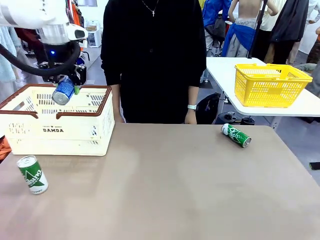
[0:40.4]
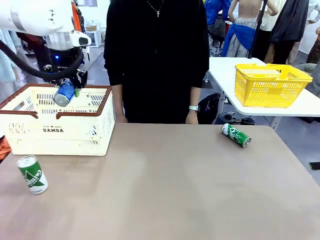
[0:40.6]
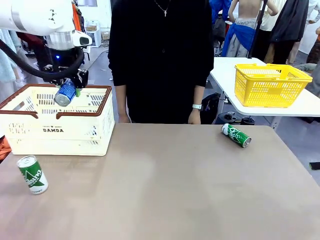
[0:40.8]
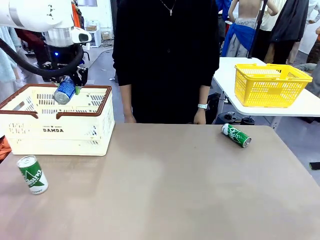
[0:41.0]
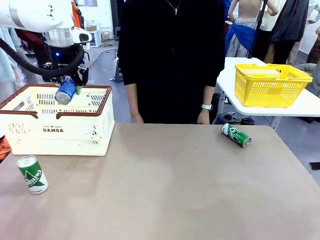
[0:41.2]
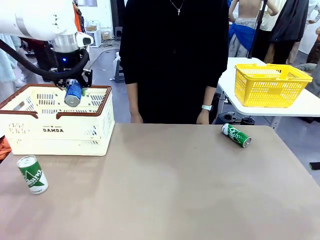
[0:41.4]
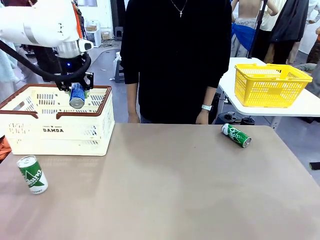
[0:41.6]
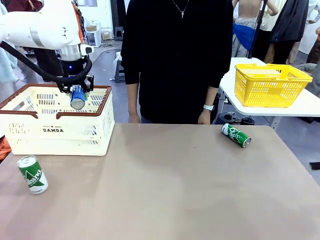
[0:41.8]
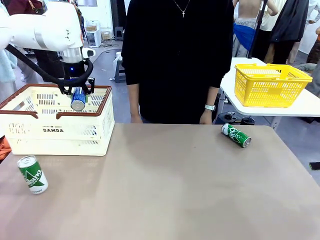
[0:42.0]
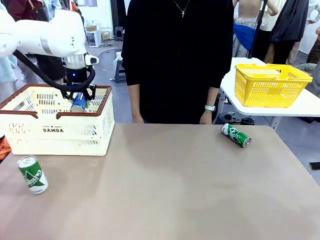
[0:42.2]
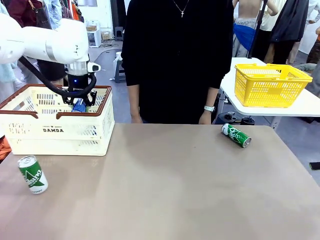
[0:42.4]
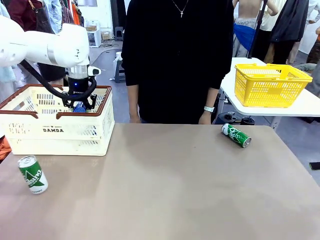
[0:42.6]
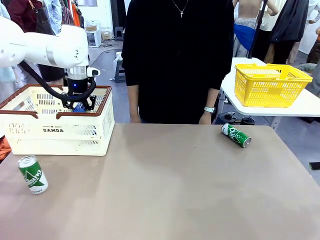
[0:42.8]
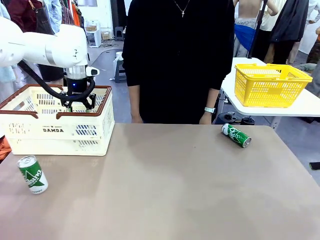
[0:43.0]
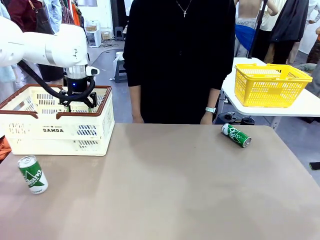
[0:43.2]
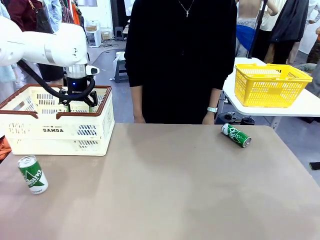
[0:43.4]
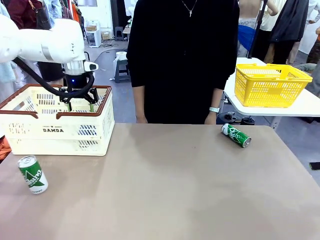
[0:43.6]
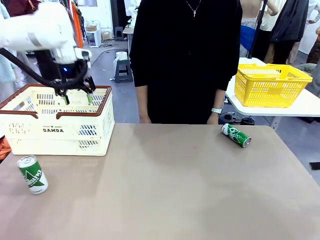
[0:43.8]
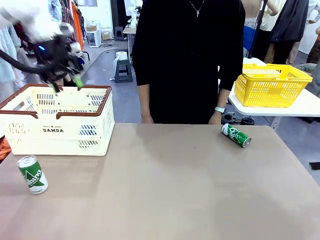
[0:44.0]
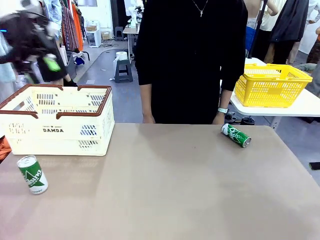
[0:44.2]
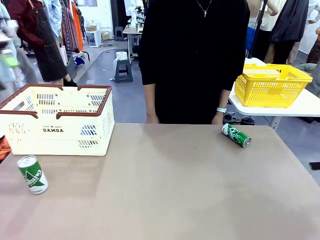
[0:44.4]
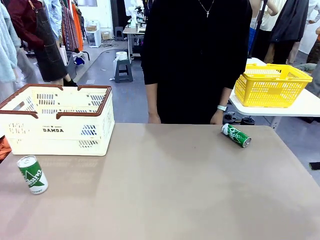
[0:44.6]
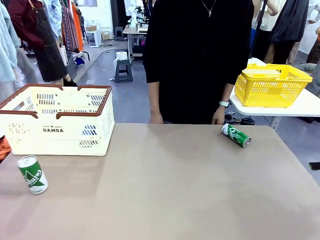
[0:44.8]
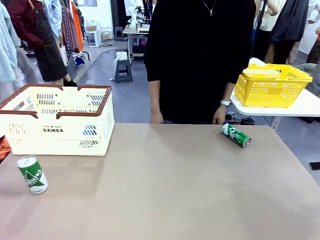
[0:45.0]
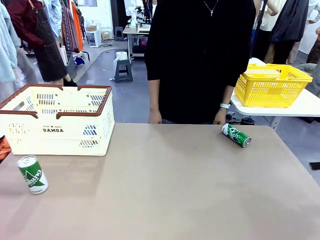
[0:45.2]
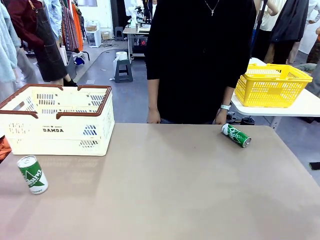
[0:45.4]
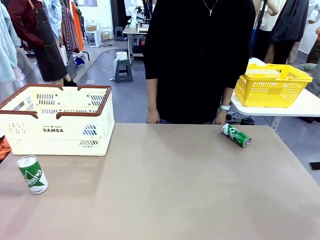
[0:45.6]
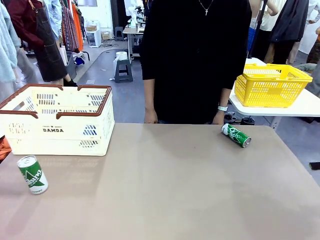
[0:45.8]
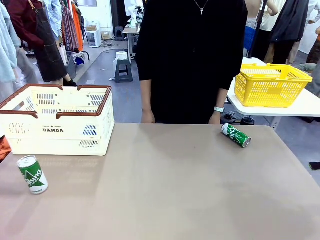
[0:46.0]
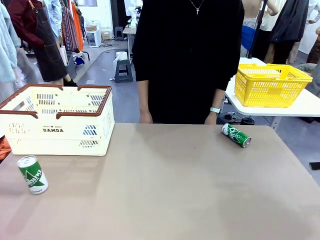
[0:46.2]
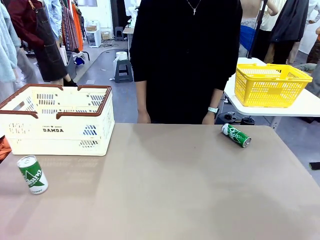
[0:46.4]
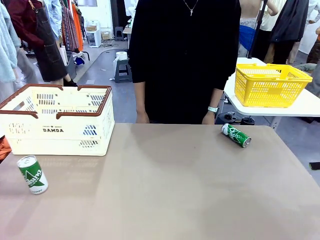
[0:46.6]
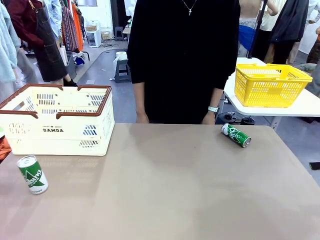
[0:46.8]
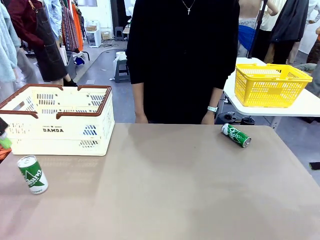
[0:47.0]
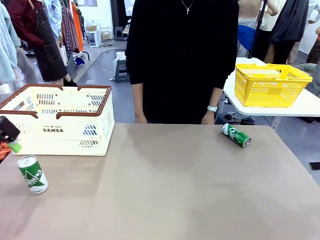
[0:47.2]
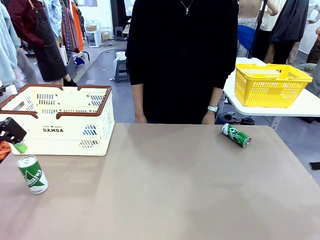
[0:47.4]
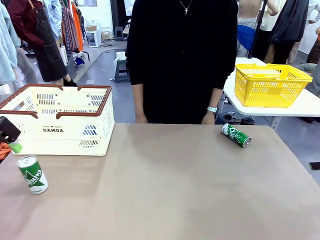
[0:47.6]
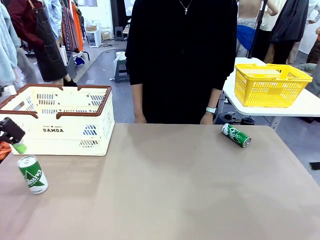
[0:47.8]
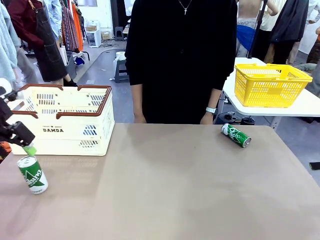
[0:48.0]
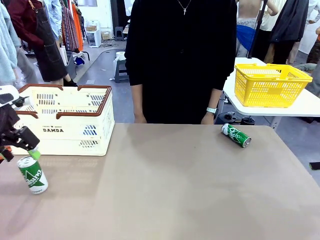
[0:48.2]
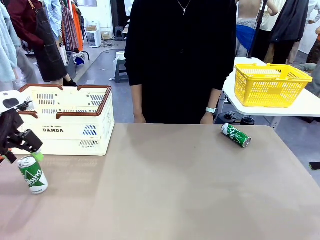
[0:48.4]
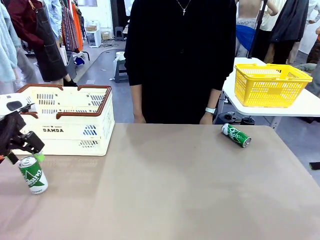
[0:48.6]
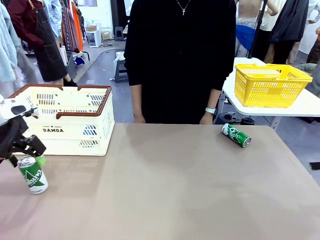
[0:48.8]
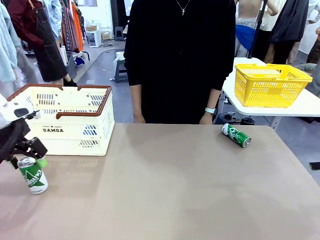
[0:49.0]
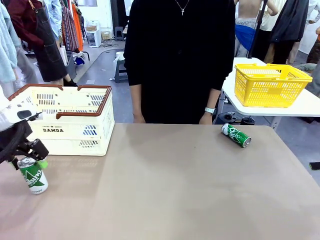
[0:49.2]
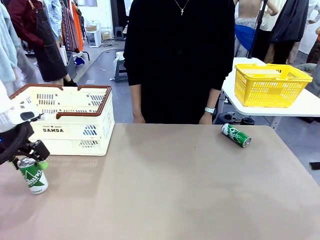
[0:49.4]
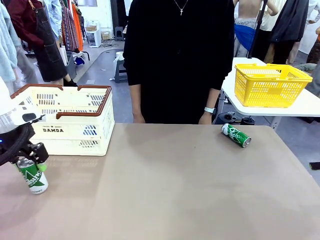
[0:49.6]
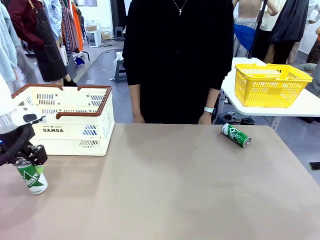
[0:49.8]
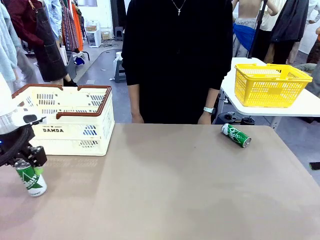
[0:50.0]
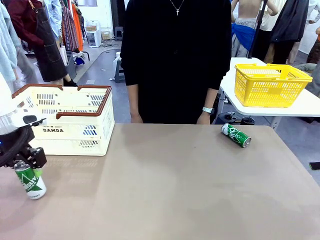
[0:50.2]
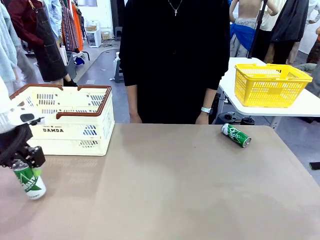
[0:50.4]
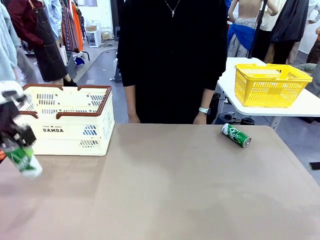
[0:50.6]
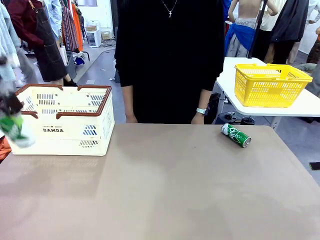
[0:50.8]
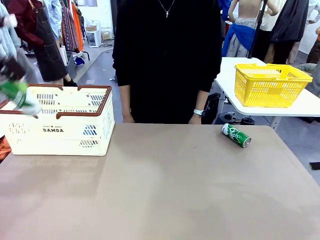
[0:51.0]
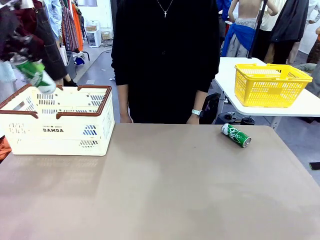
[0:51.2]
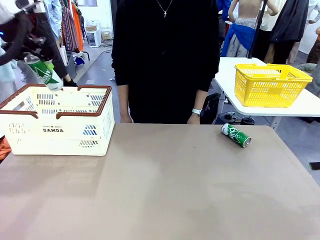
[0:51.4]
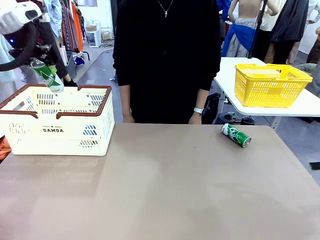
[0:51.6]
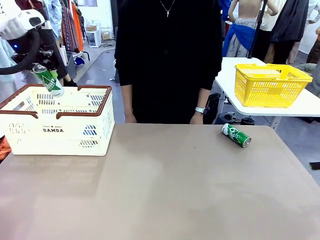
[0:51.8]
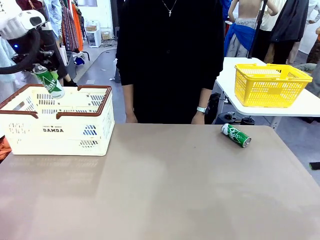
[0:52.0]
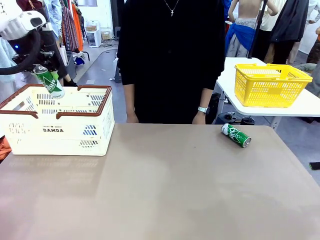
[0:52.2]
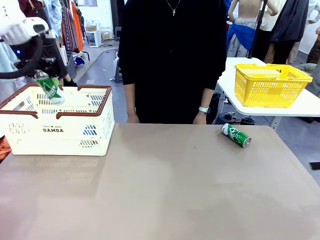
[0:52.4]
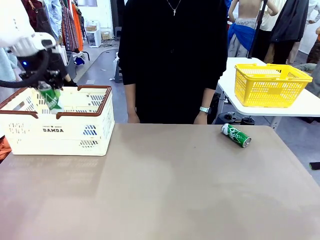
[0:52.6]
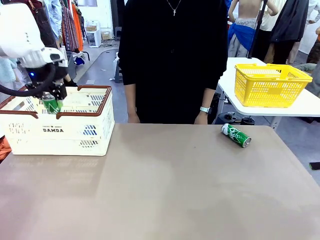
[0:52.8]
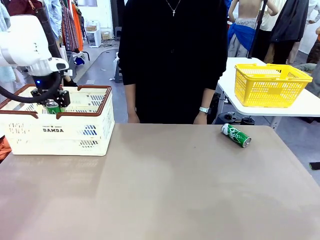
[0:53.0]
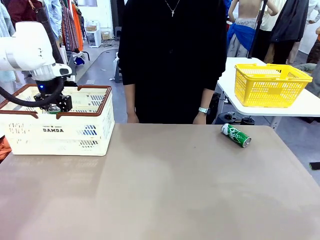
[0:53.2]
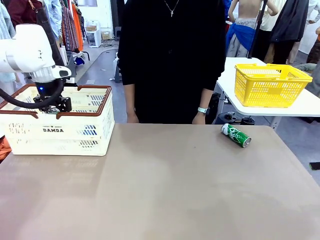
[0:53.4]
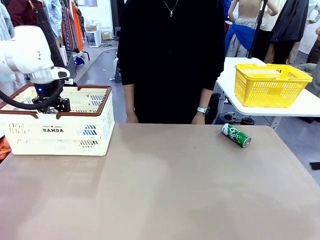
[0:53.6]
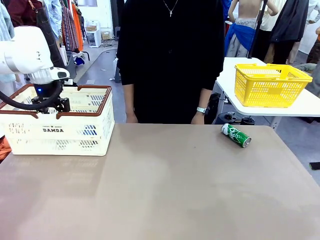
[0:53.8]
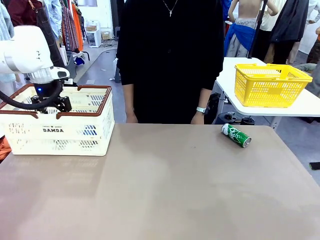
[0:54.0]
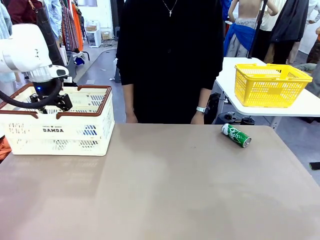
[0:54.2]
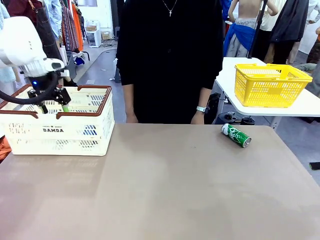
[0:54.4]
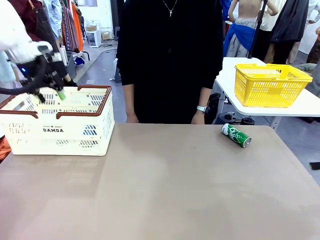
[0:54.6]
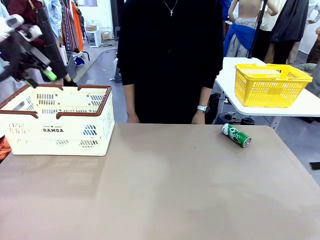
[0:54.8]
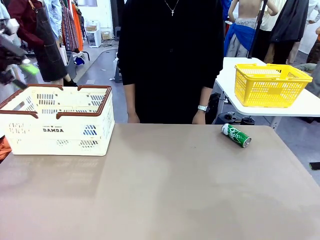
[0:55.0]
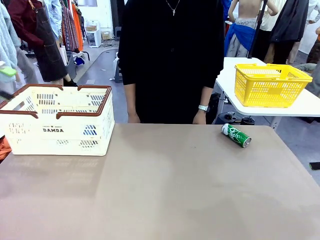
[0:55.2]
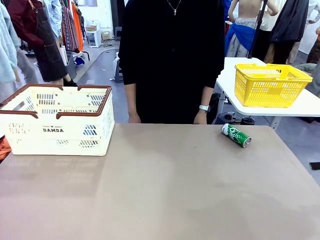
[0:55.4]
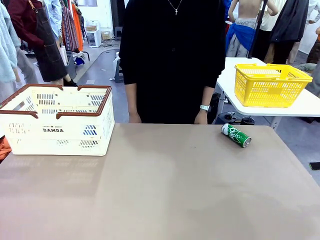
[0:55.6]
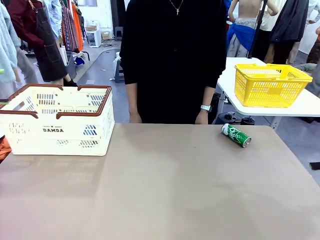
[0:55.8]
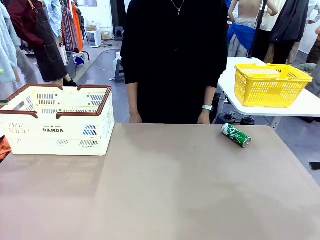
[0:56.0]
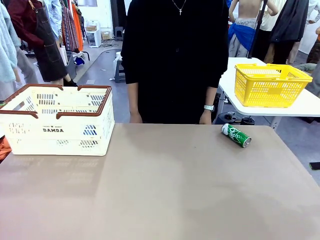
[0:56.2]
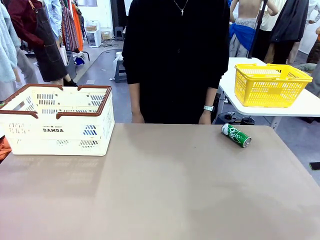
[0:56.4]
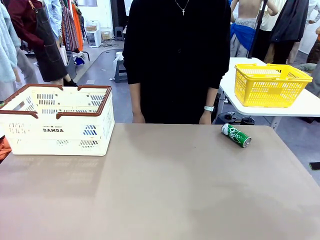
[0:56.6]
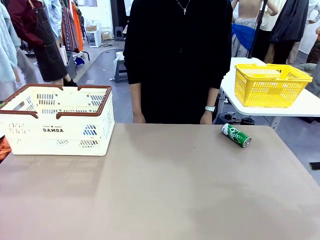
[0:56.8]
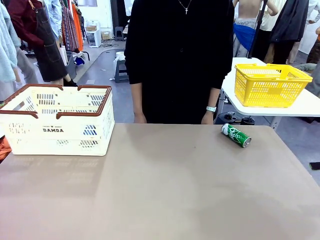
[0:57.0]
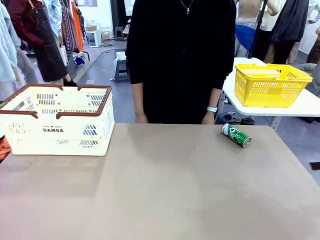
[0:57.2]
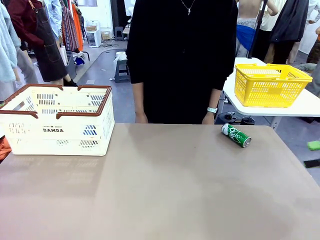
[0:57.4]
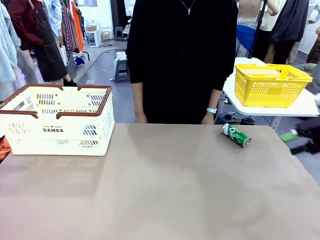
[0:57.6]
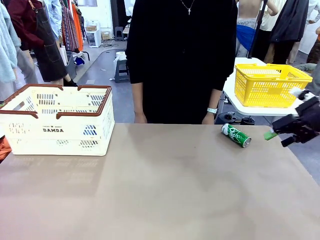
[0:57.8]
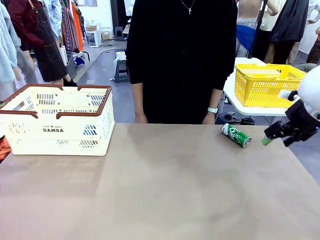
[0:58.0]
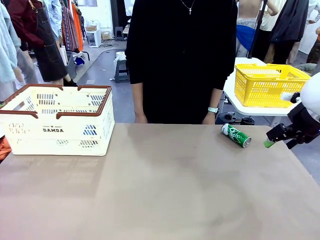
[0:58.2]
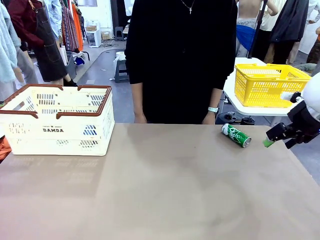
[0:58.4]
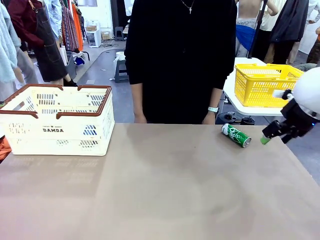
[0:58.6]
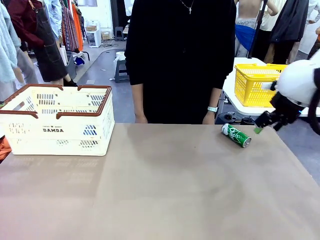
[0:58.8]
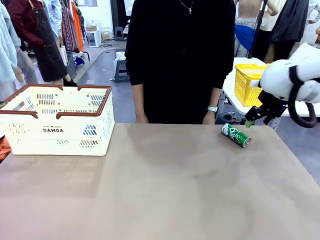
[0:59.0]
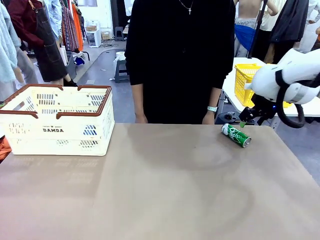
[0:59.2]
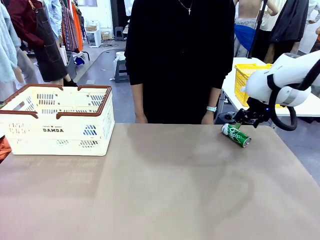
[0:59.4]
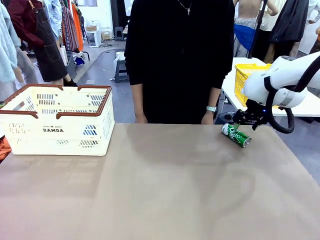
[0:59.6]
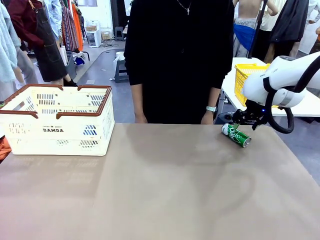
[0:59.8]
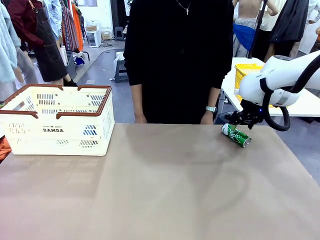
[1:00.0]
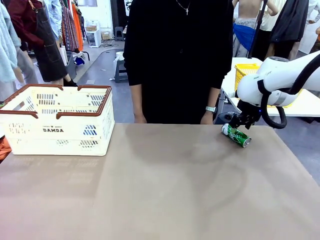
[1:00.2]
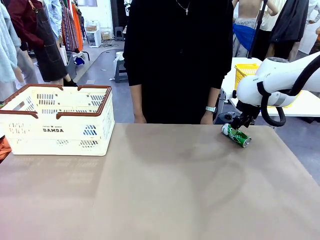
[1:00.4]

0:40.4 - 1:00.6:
Task: Place the drinks into the Shopping basket.
Robot: Pick up one drink and place it into the Shopping basket.
